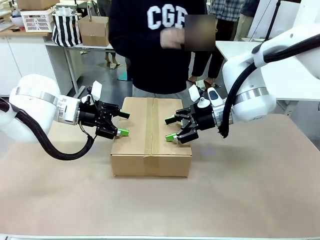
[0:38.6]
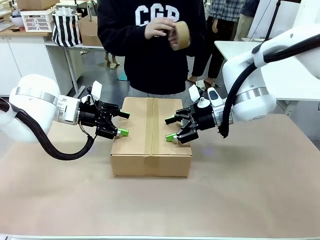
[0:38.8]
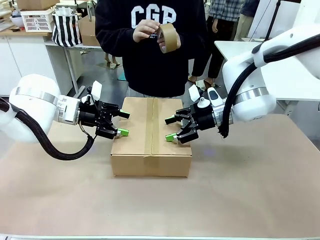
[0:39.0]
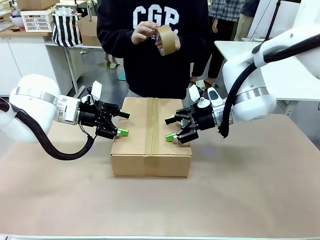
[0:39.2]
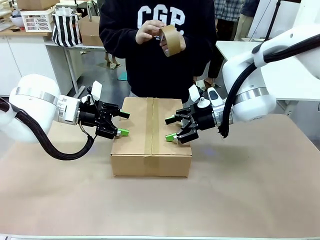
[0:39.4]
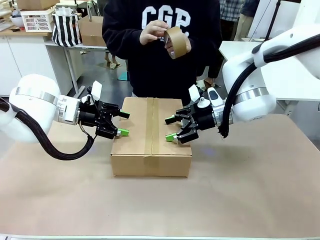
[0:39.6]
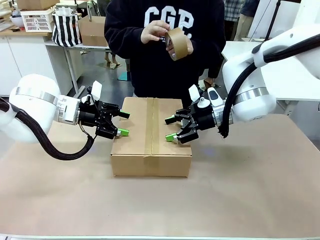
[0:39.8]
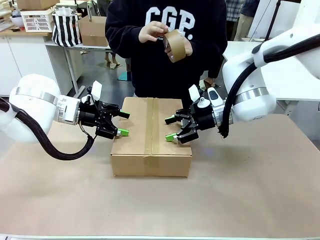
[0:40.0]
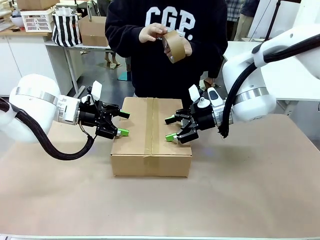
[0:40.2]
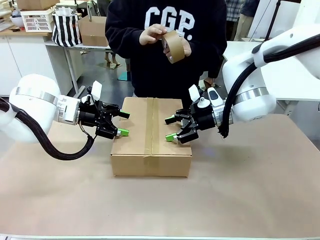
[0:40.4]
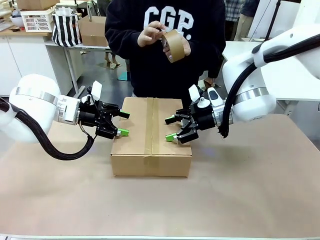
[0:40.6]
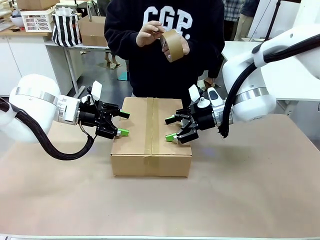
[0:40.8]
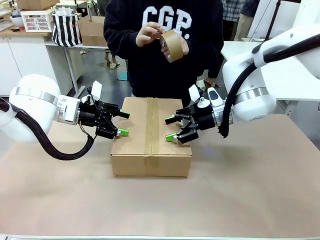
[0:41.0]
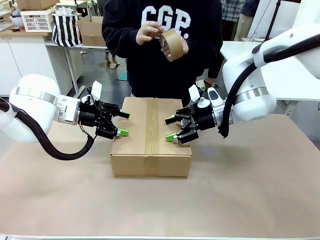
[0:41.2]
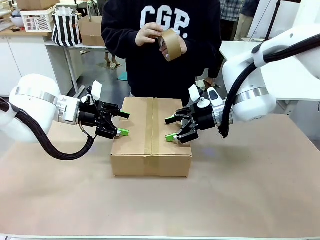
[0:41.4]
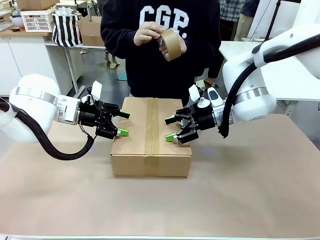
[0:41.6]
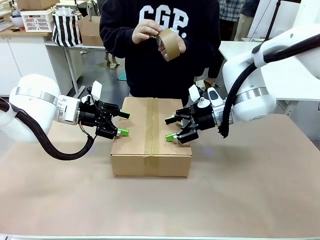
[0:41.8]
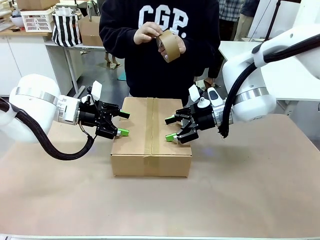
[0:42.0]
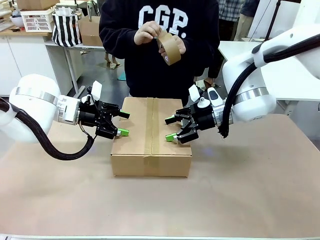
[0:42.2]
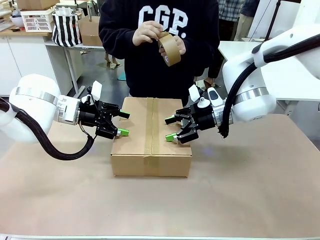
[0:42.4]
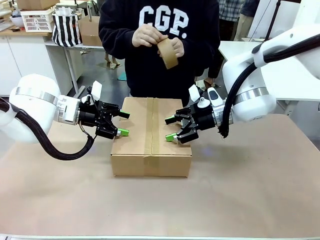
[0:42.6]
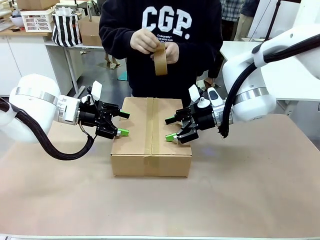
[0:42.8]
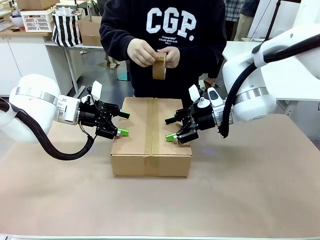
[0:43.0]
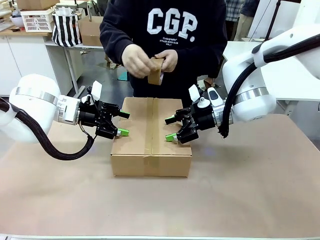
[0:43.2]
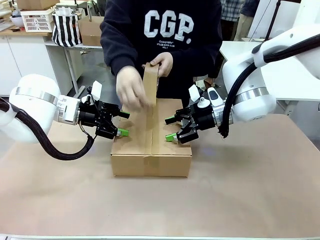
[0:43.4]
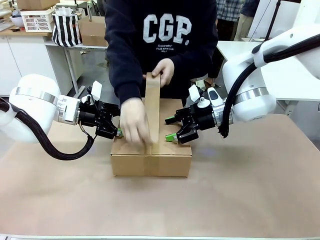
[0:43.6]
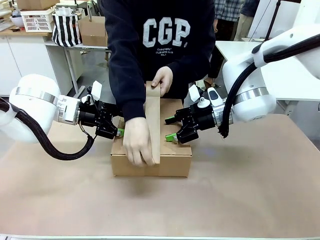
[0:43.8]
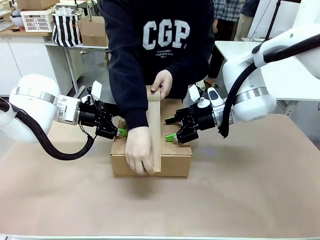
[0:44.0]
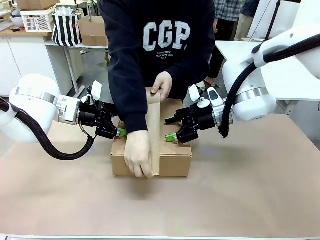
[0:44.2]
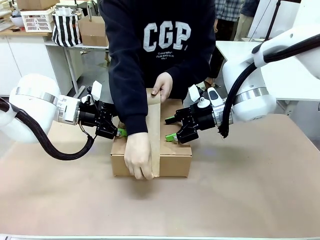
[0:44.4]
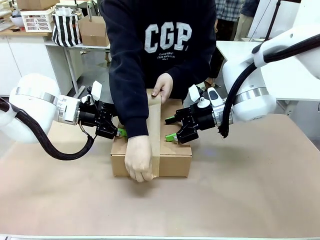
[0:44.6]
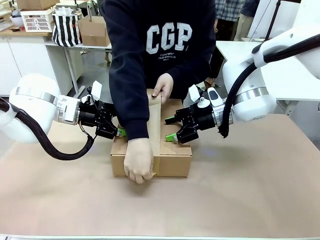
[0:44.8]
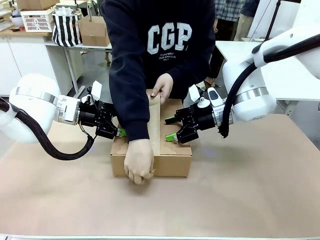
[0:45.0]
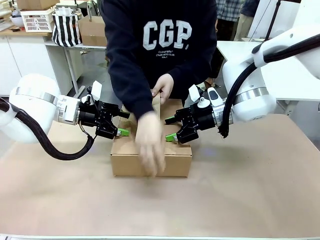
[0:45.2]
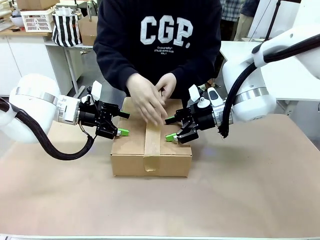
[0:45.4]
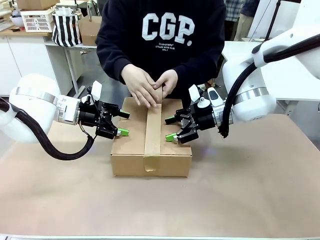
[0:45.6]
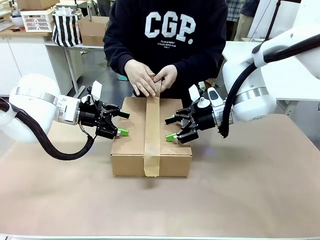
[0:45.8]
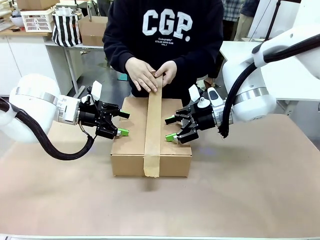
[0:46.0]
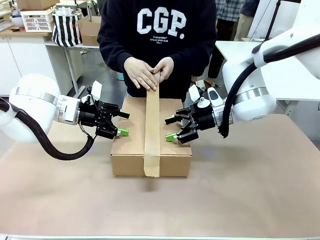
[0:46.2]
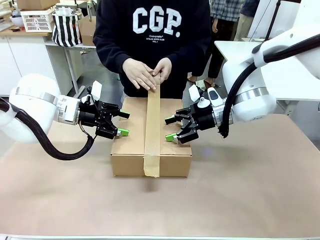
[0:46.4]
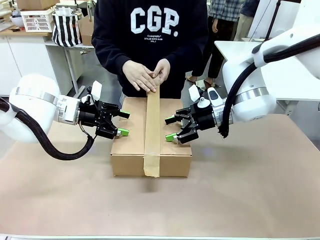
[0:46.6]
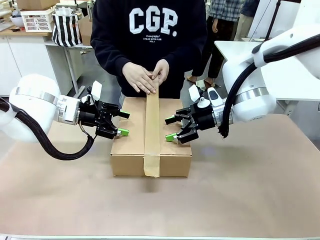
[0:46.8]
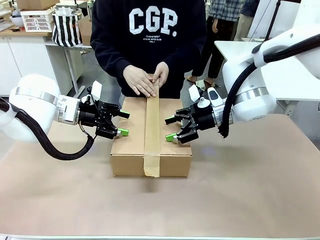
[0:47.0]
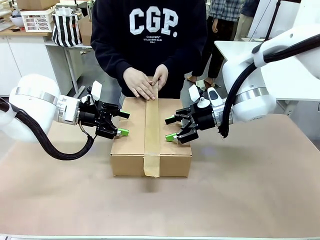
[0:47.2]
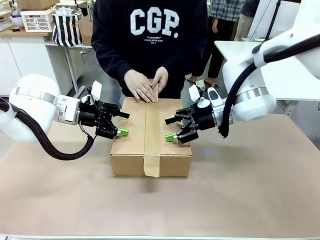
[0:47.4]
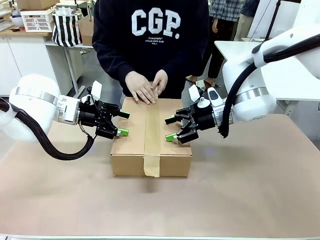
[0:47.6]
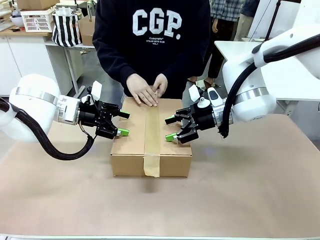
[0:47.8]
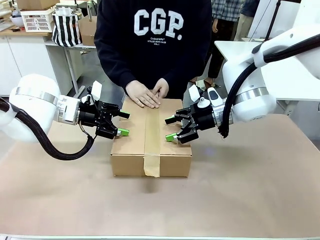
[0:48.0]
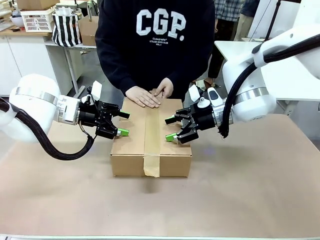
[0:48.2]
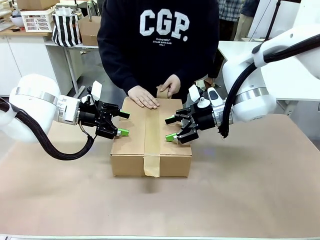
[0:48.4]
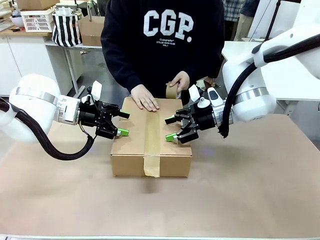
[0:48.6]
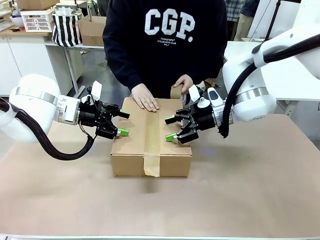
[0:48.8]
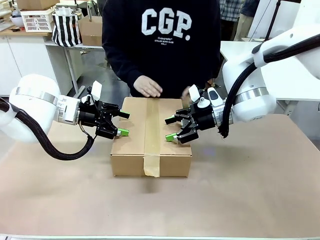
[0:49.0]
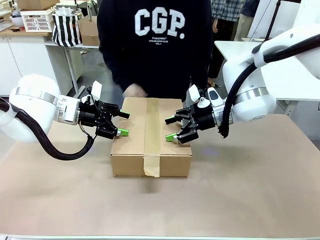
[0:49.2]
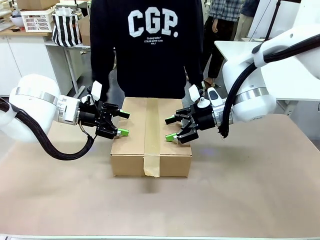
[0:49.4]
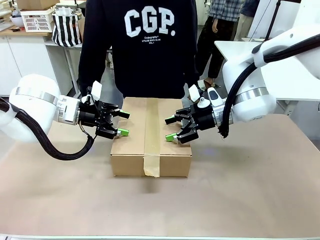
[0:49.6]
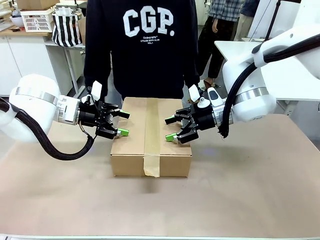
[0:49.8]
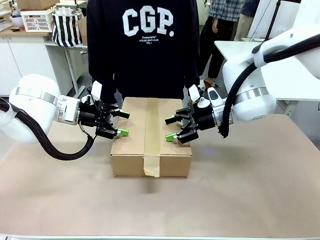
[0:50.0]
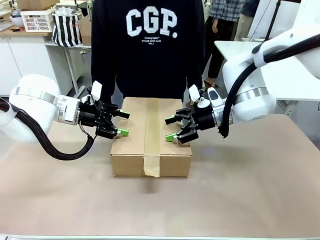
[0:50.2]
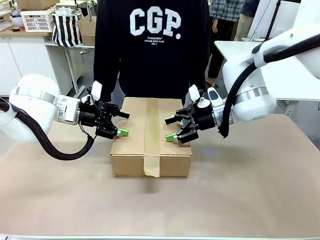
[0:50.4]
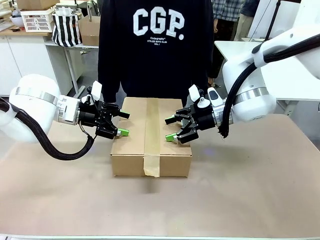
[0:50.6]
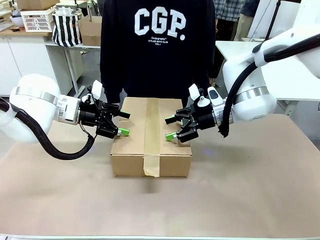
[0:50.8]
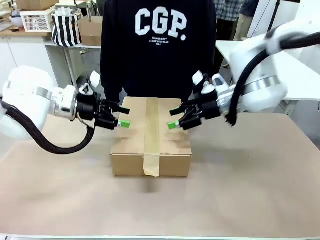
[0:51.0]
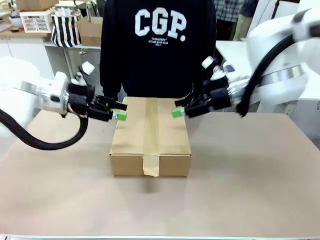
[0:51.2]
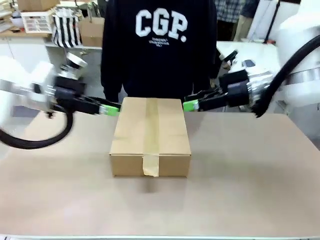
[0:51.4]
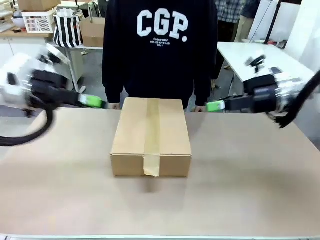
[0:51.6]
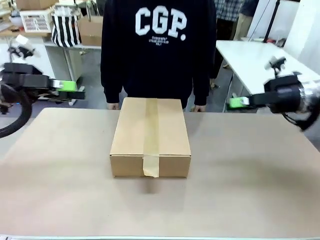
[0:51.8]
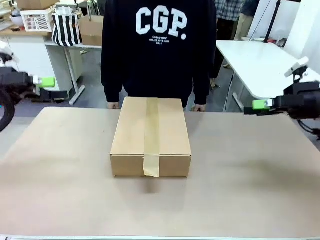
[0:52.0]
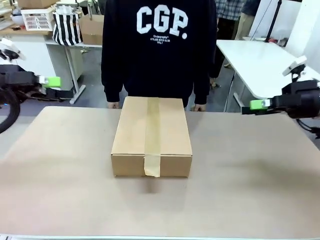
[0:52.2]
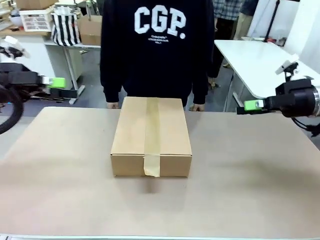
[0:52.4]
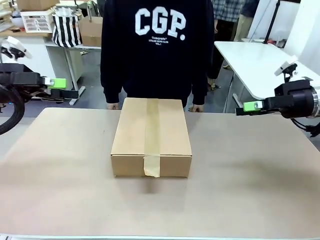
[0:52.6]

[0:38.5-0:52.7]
Task: Pack the gift set into the box.
Robot: Press and hold the closed box until the human finishes sealing it.
Person: The human picks up the paper tape from the human table and packs the box.

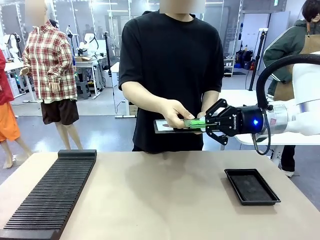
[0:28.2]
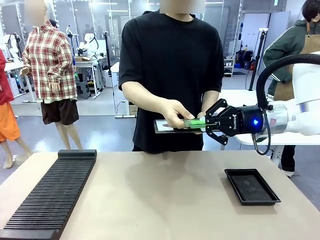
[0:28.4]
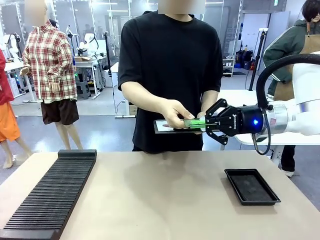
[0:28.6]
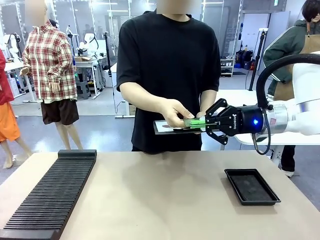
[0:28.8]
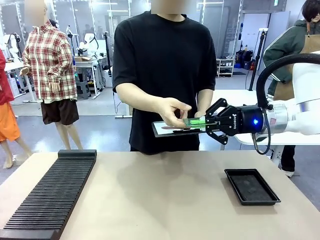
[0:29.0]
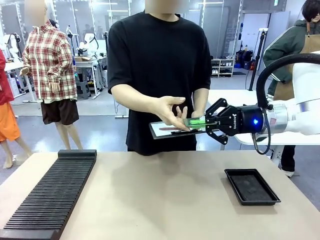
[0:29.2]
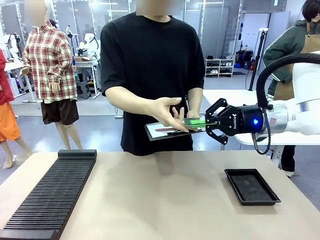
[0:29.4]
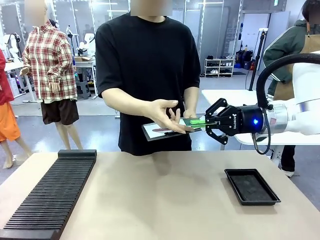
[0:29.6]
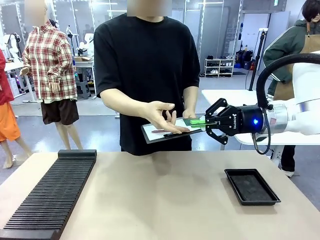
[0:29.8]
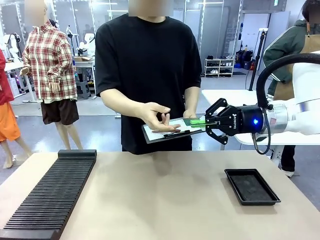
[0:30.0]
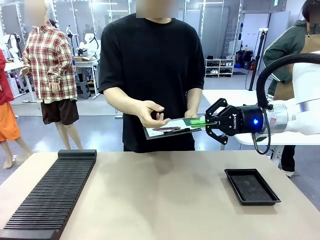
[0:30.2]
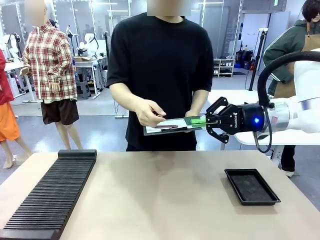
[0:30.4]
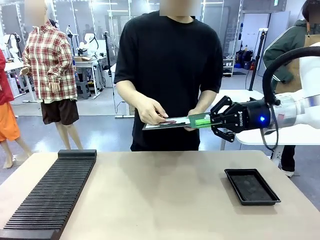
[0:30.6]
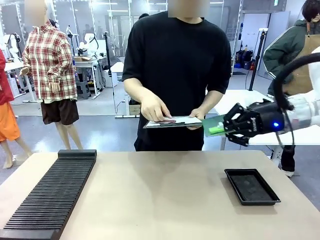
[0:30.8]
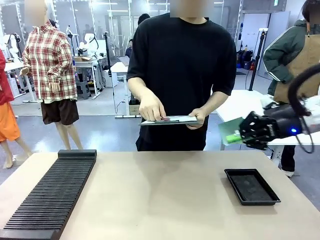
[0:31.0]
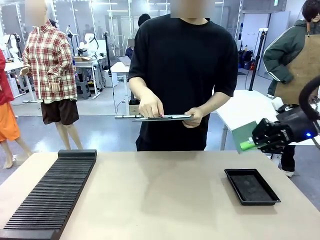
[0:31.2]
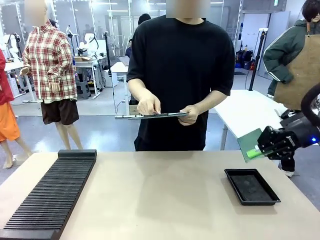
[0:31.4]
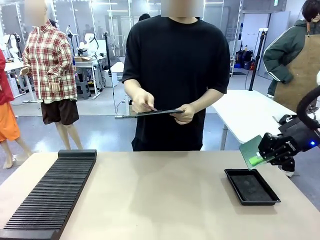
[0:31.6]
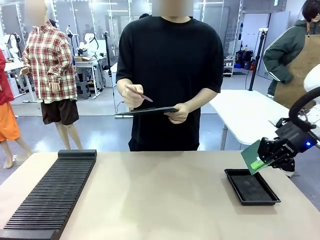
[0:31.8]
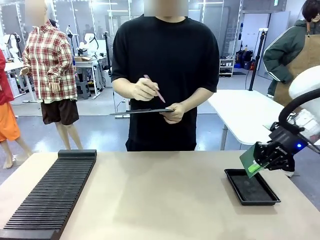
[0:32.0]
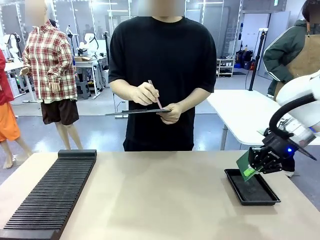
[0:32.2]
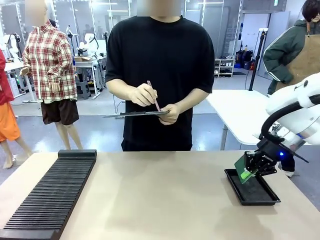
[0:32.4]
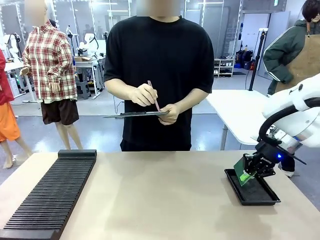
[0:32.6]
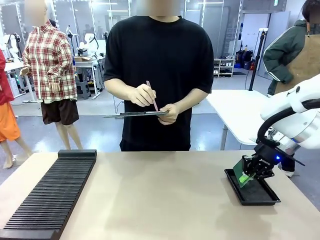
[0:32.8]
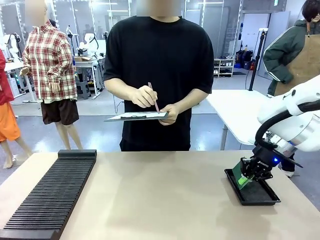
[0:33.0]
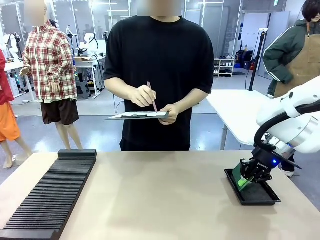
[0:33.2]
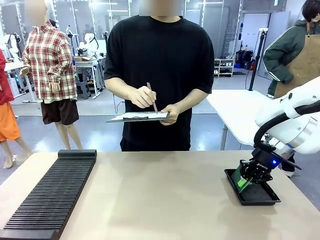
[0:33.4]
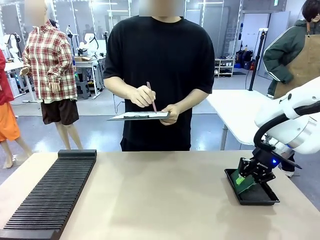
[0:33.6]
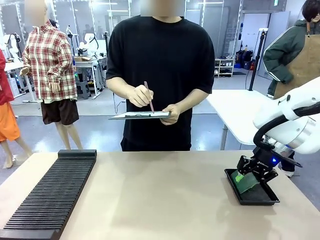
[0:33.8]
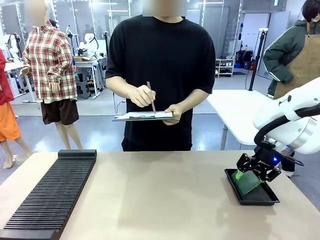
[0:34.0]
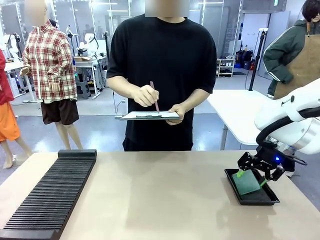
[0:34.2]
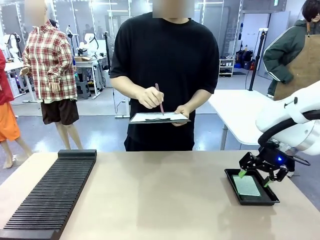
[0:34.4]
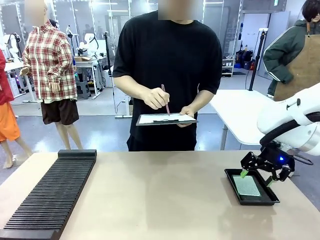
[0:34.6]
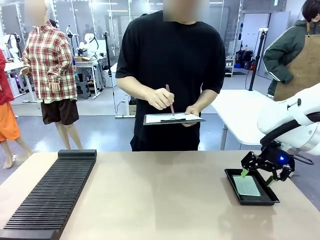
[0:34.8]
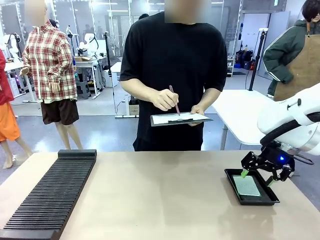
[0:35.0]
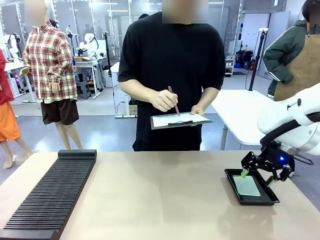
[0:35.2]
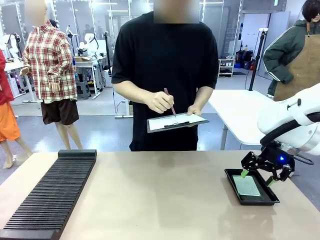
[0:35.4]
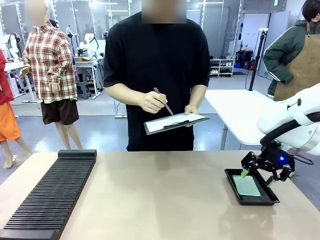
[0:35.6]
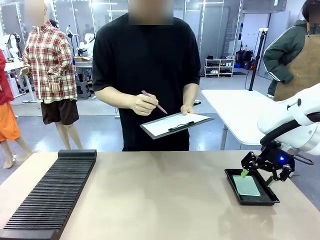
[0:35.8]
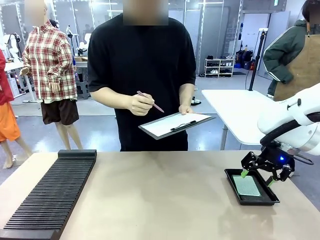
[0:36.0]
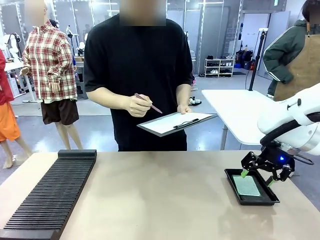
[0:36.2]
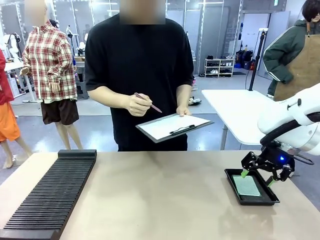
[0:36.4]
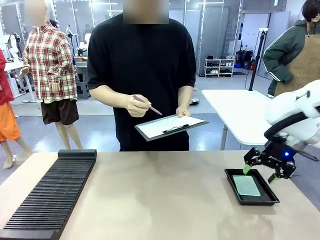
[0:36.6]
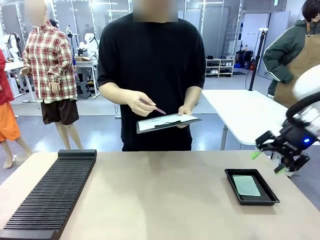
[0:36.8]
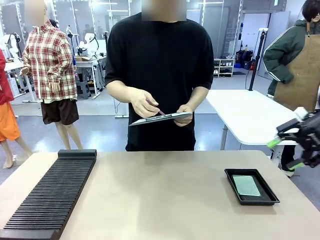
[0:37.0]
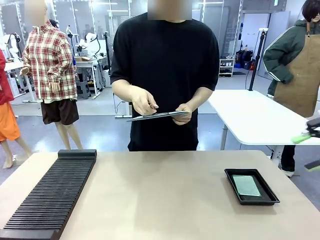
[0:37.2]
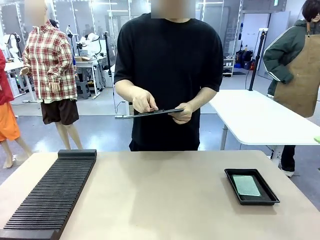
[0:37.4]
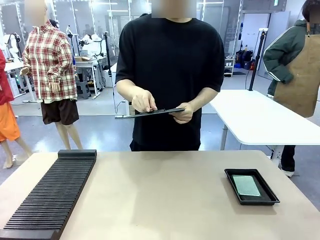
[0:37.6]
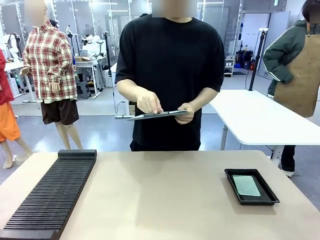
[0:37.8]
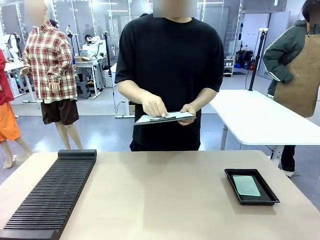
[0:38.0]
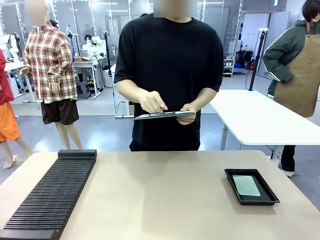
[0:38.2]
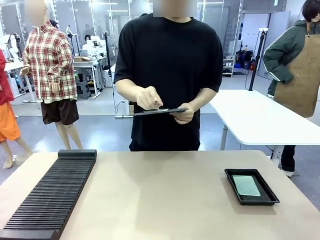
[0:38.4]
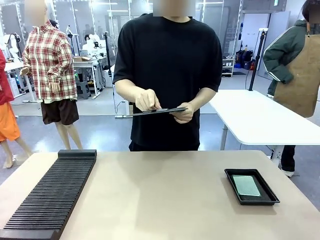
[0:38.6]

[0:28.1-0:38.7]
Task: Inspect the PCB.
Robot: Place the Blank PCB in the ESD tray.
Person: Record the PCB status on the paper.
